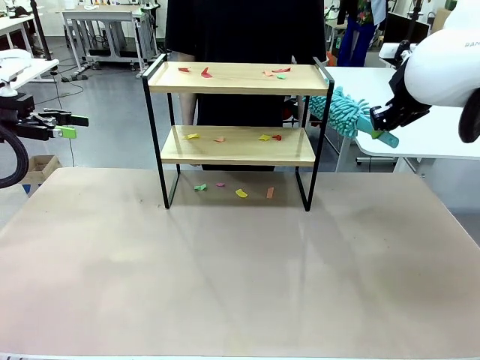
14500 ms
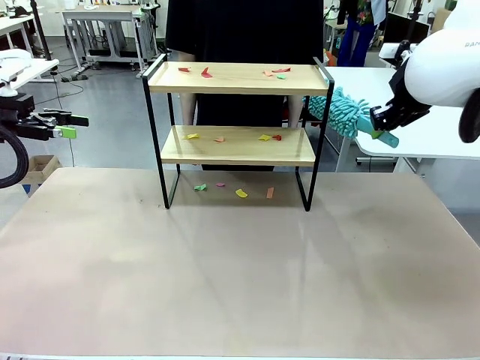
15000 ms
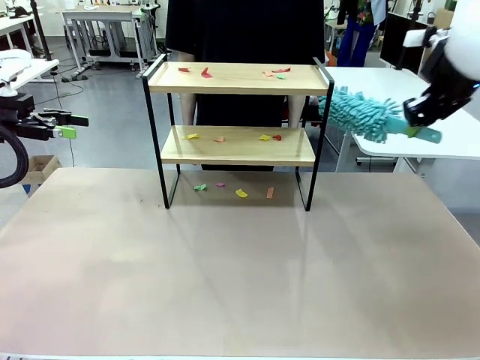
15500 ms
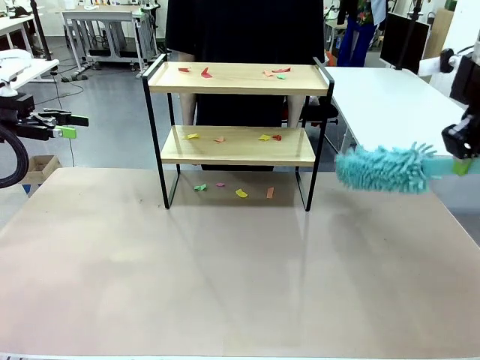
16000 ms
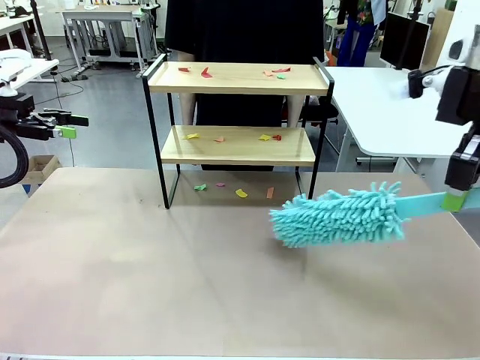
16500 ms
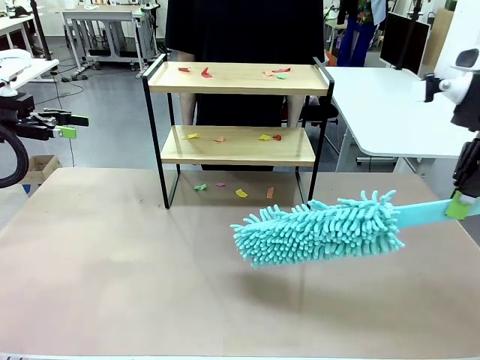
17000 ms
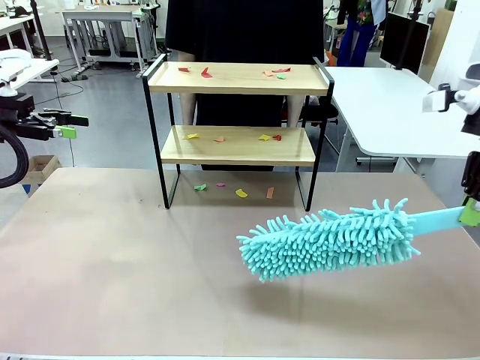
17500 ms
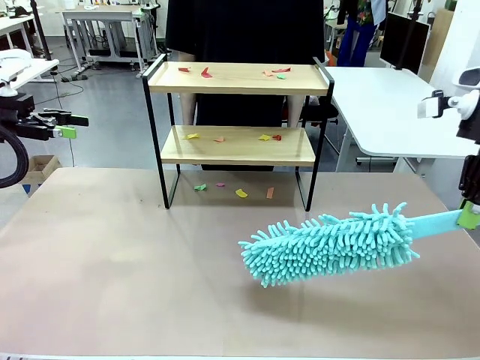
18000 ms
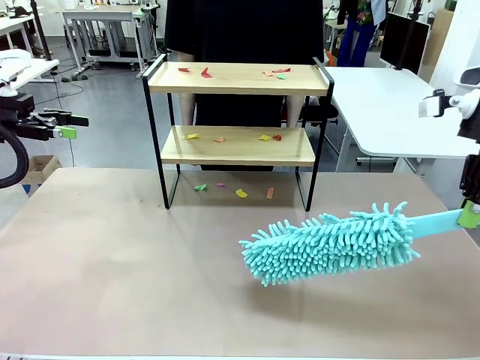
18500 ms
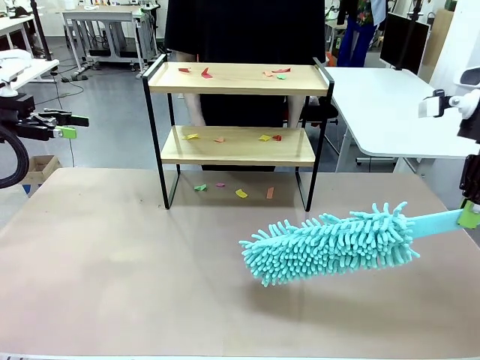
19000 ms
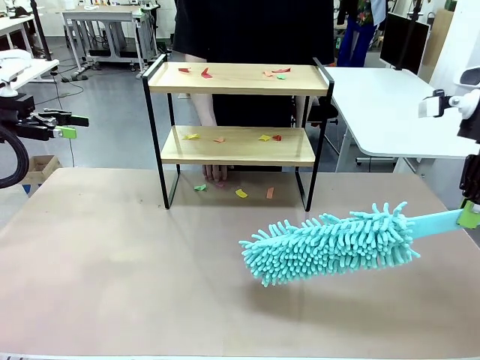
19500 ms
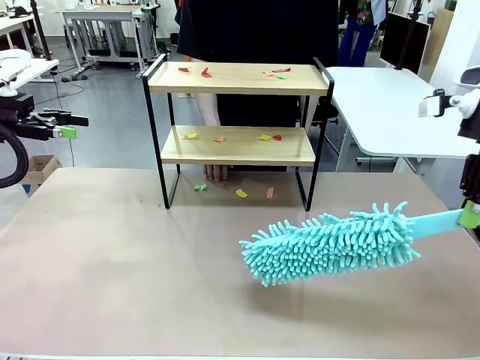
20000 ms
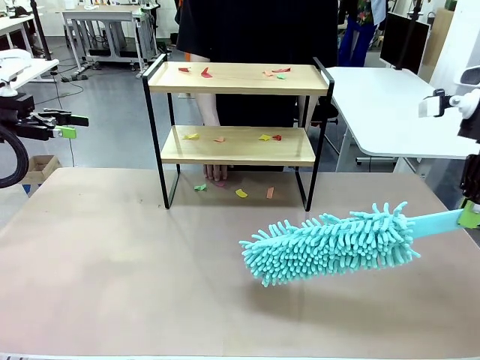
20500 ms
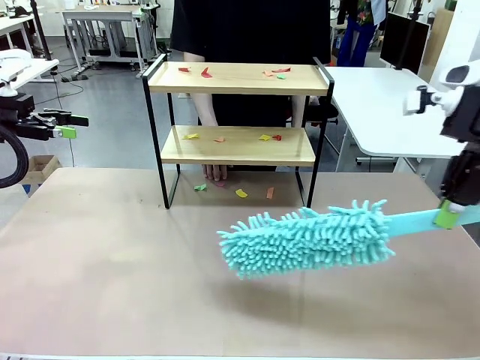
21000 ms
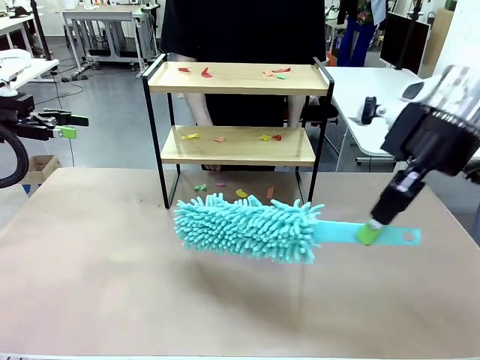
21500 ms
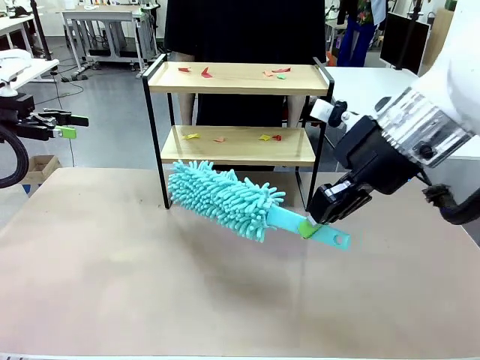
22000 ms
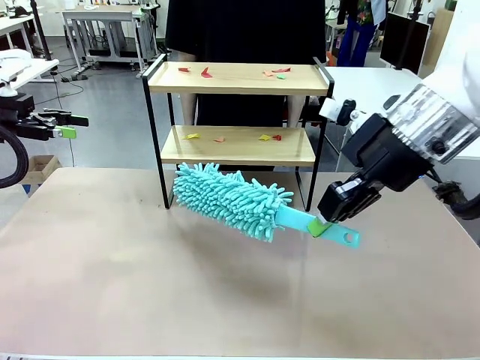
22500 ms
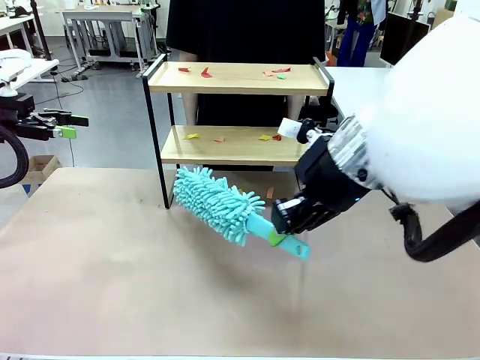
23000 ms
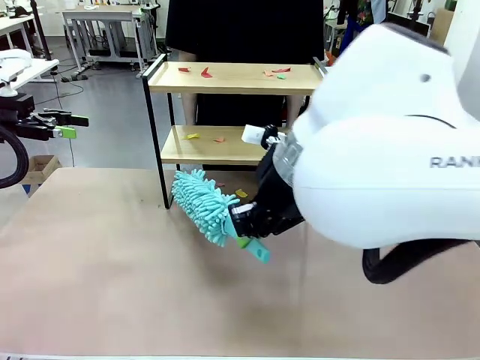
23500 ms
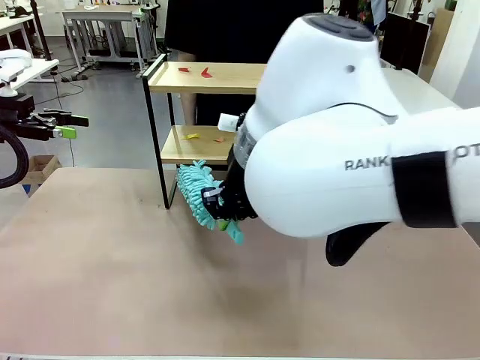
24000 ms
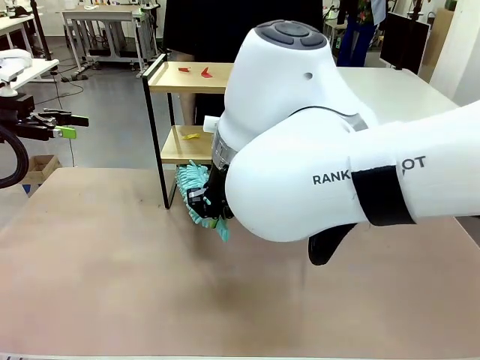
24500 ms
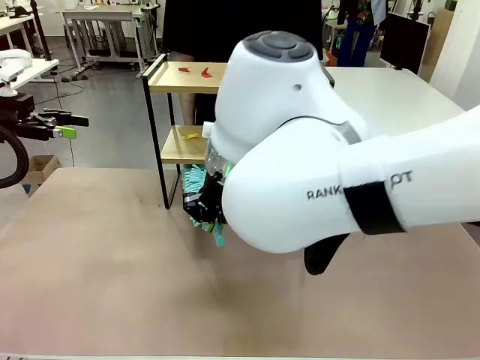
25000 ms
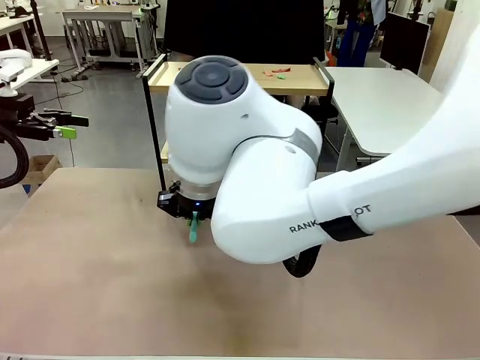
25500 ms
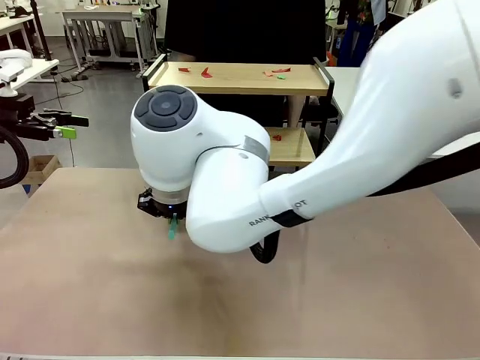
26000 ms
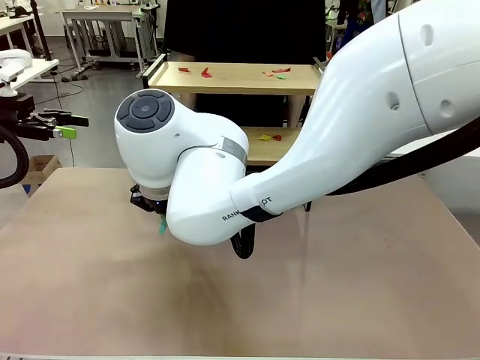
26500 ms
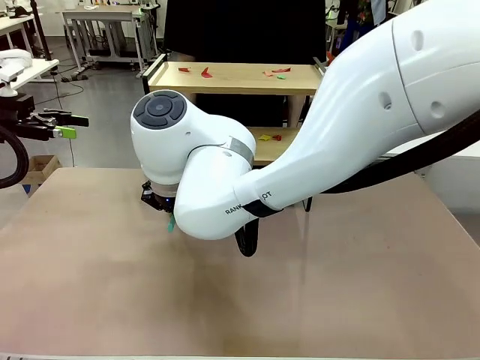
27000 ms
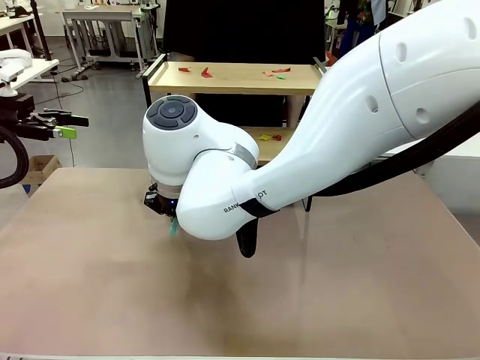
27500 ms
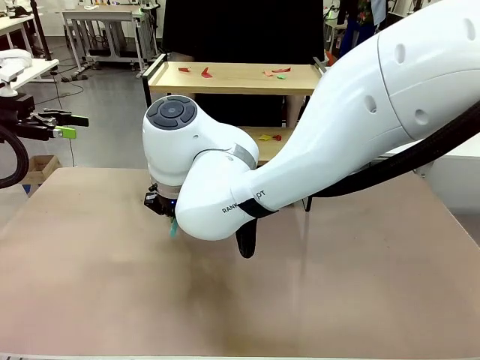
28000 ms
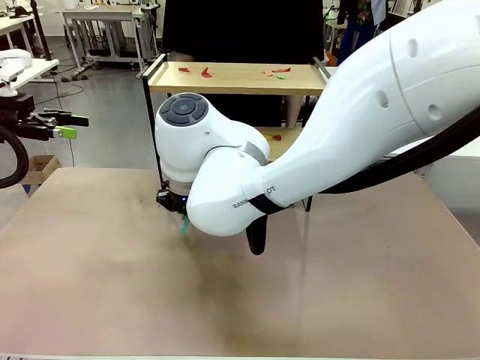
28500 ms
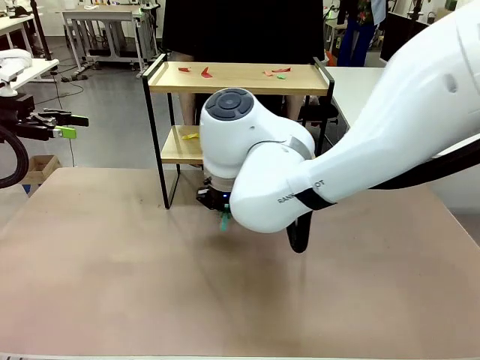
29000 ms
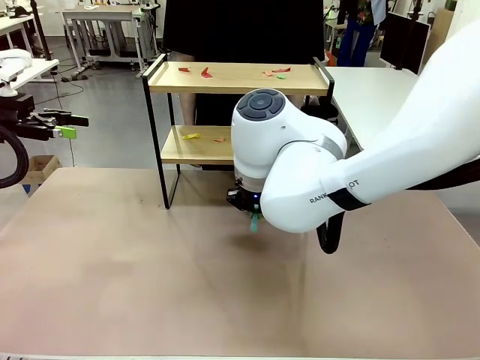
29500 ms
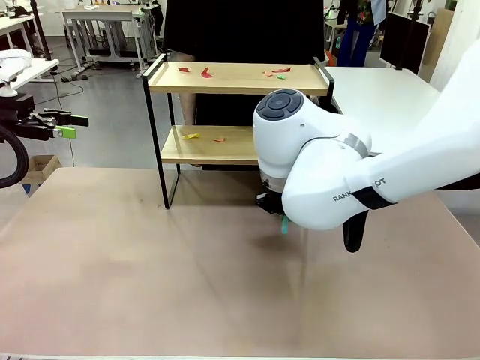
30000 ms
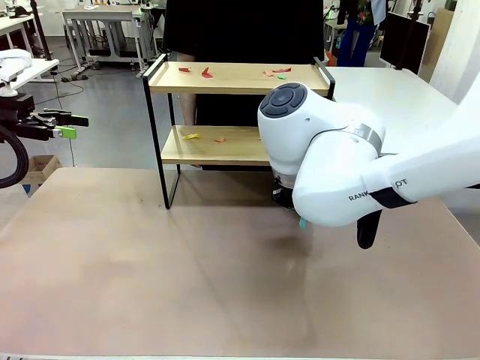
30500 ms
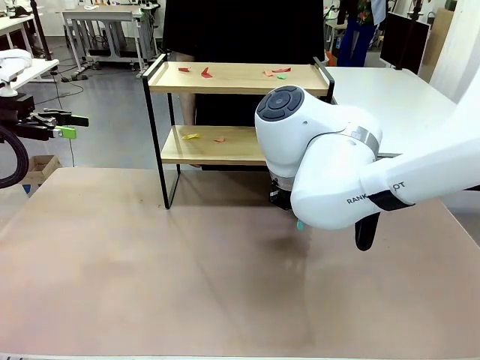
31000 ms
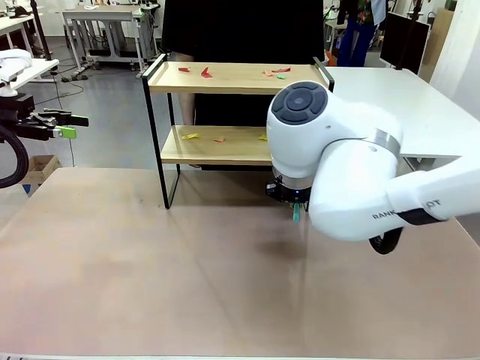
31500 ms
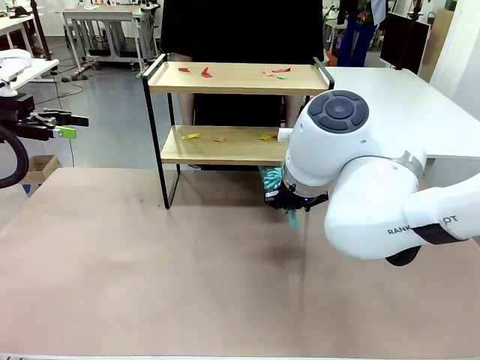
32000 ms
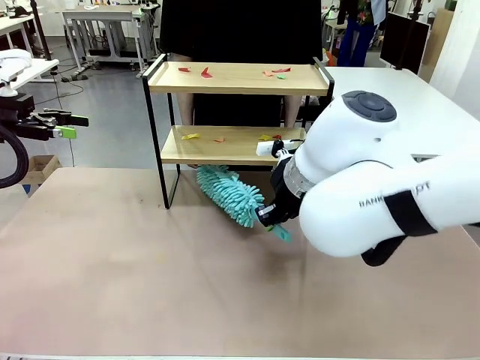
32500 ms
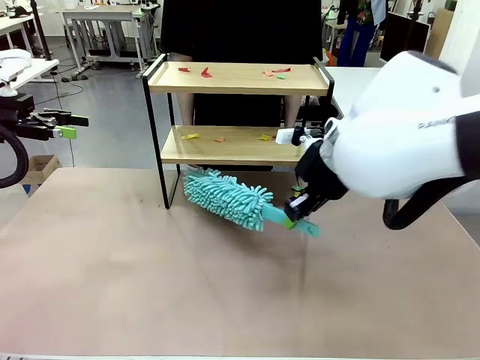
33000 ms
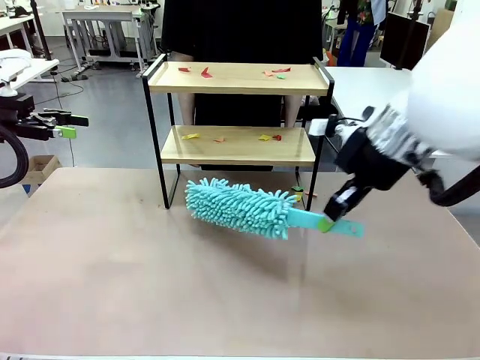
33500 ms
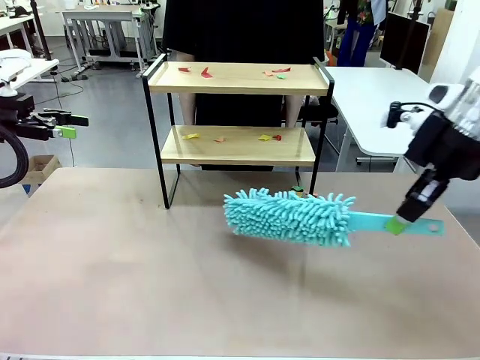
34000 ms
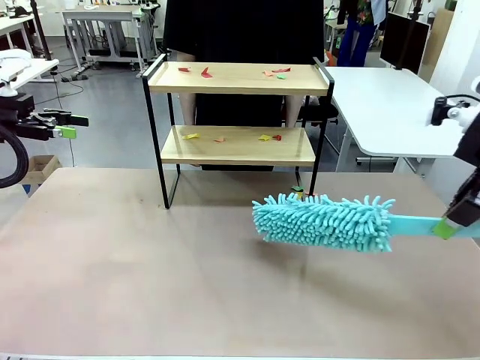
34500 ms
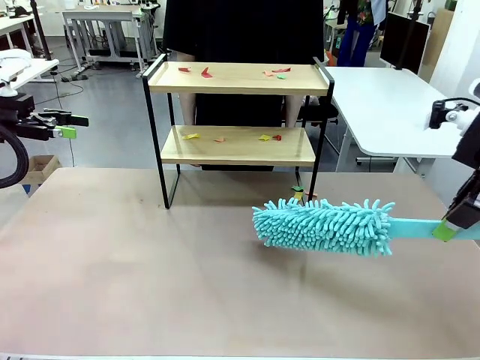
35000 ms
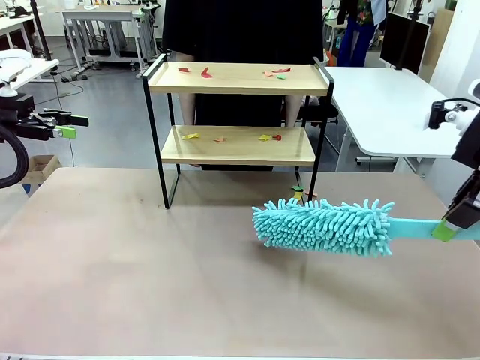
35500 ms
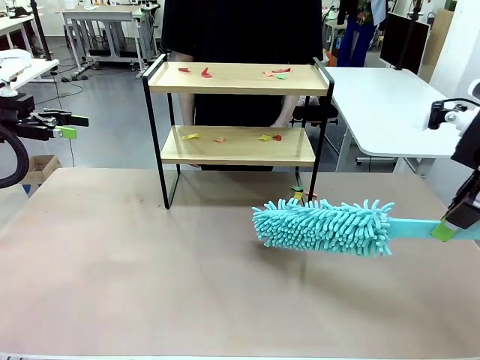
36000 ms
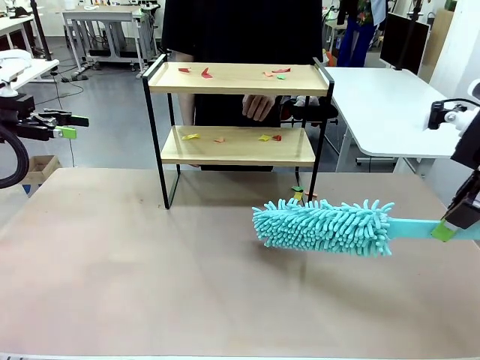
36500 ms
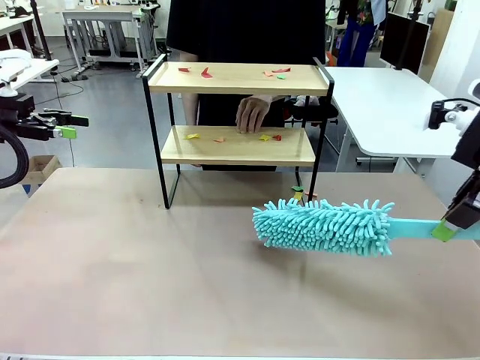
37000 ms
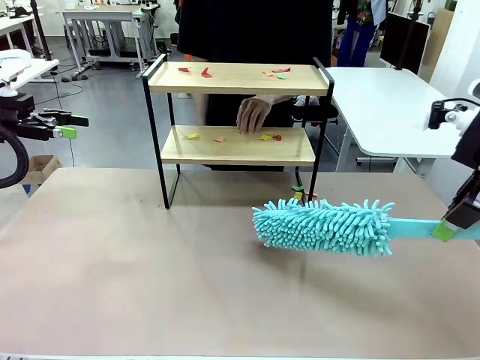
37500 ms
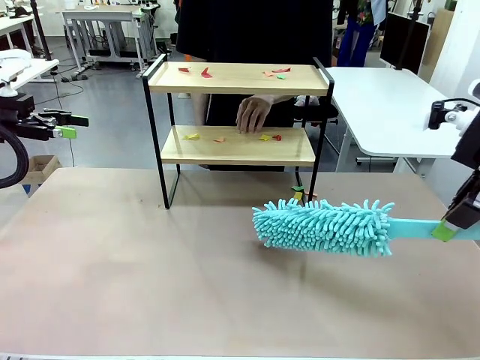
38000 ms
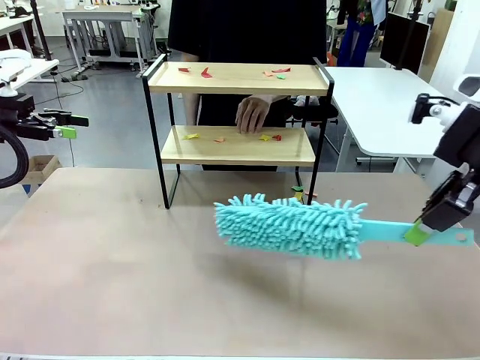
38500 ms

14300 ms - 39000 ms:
Task: Clean the shelf.
Robot: Clean the specific section of the Shelf indicated by the human with the Duster.
Person: Point a random section of the Shelf.
